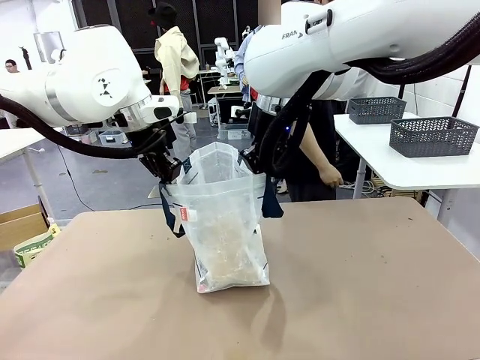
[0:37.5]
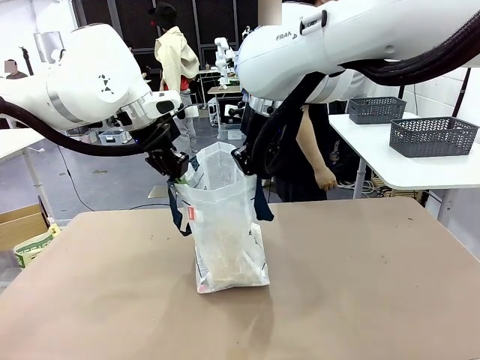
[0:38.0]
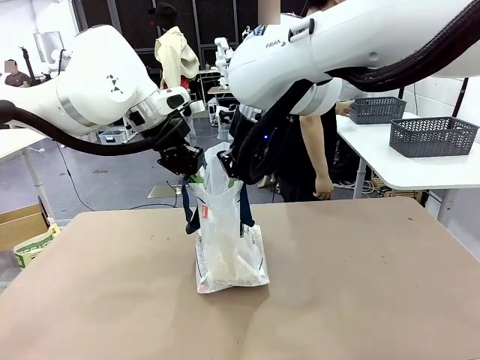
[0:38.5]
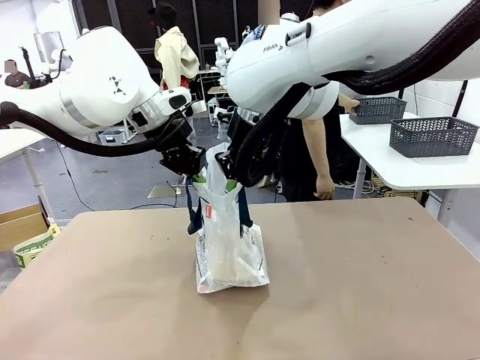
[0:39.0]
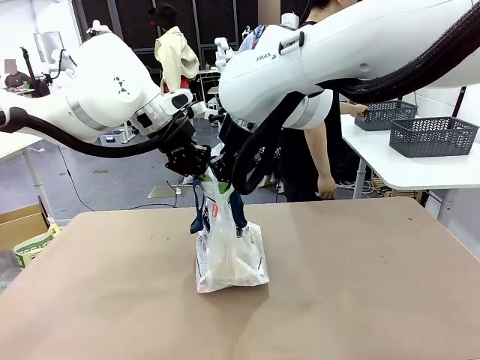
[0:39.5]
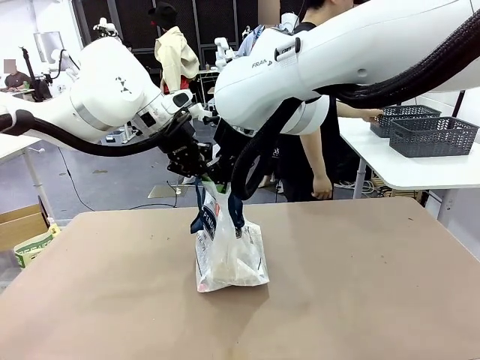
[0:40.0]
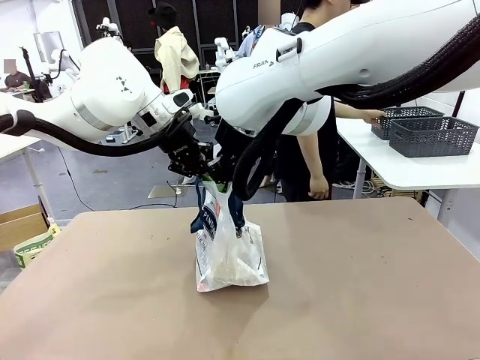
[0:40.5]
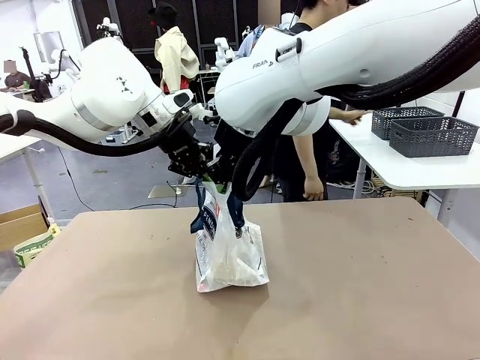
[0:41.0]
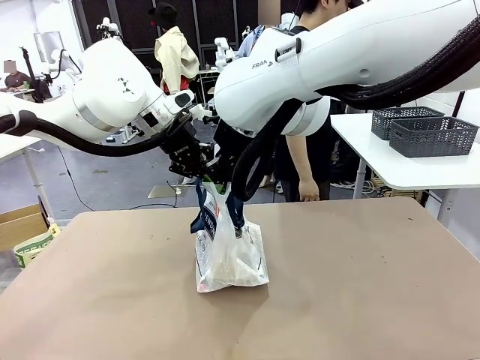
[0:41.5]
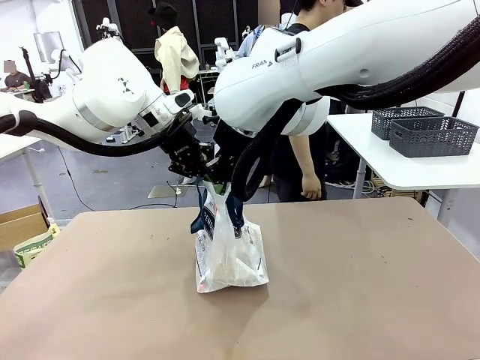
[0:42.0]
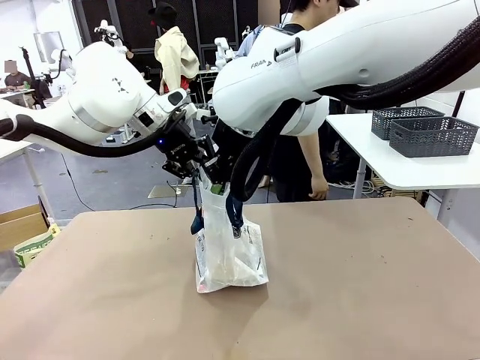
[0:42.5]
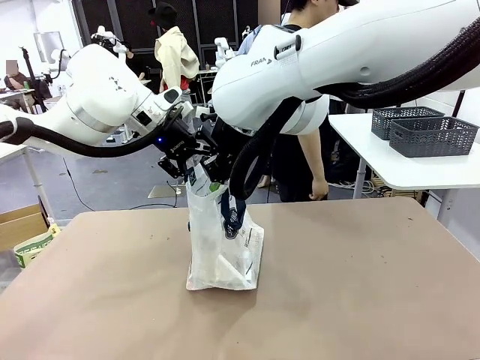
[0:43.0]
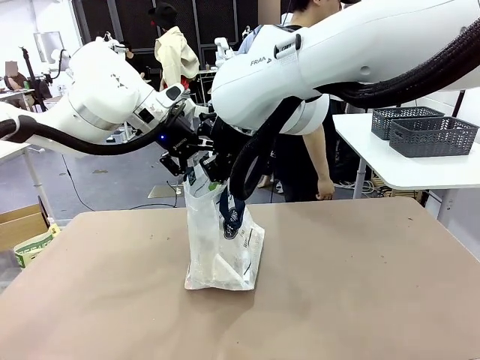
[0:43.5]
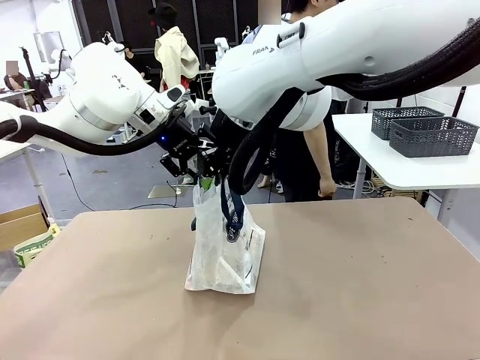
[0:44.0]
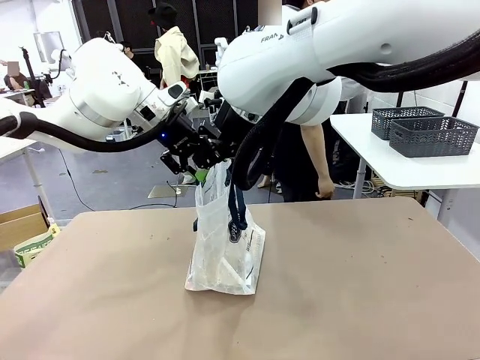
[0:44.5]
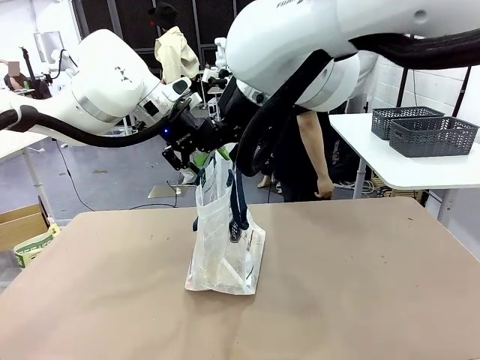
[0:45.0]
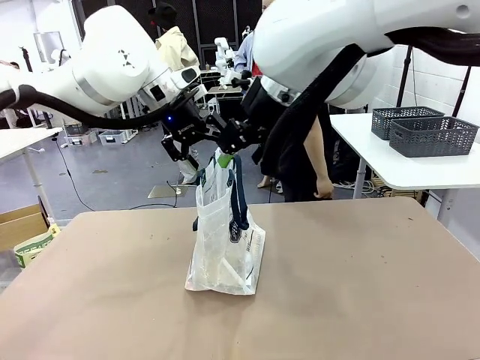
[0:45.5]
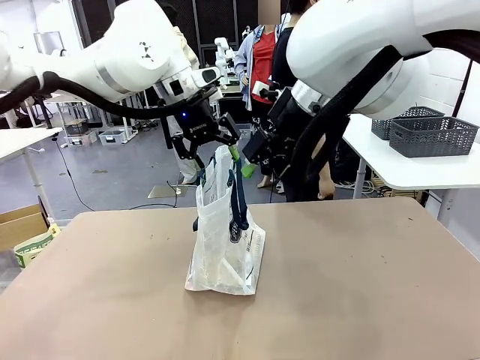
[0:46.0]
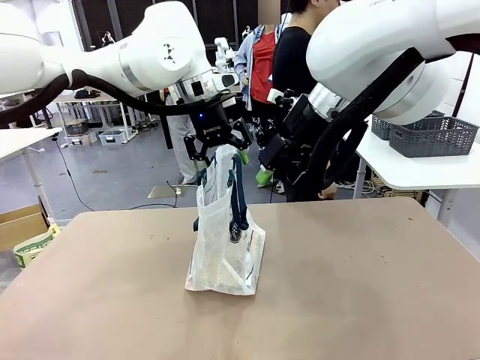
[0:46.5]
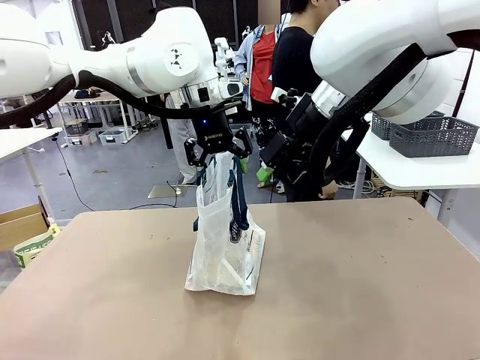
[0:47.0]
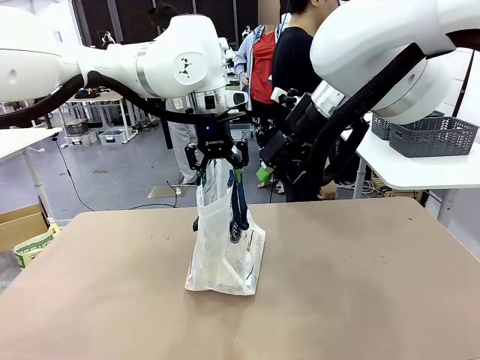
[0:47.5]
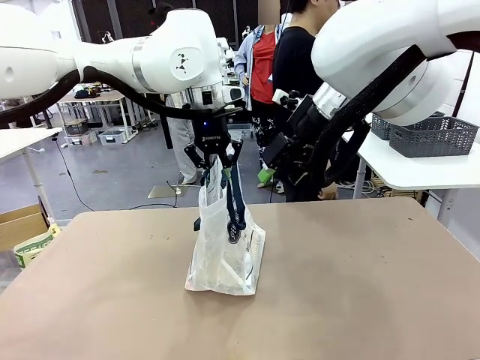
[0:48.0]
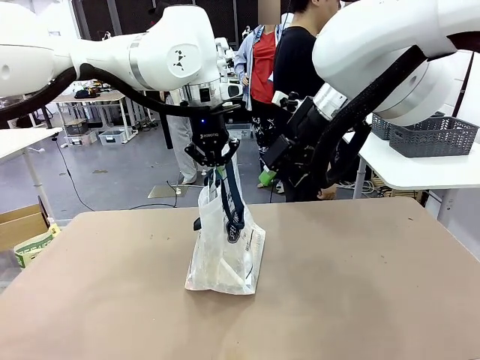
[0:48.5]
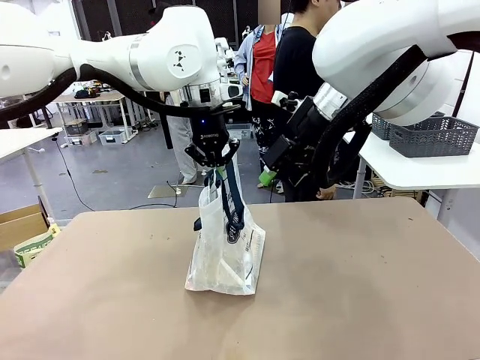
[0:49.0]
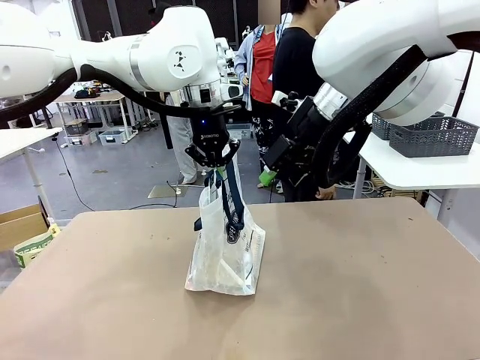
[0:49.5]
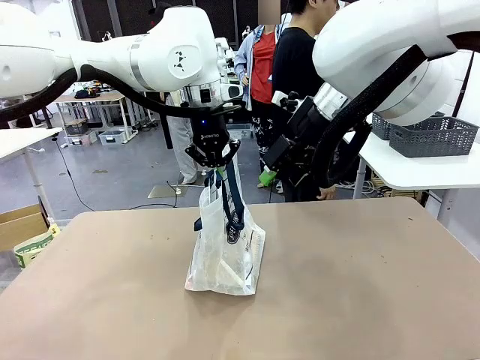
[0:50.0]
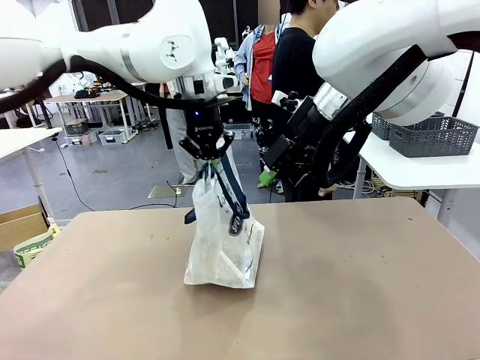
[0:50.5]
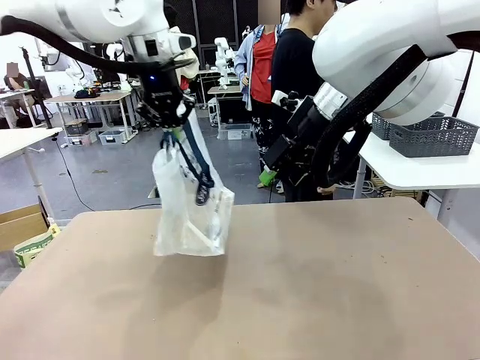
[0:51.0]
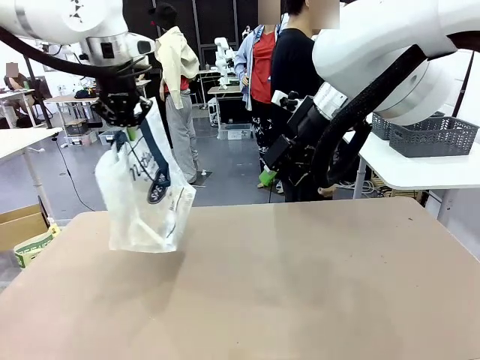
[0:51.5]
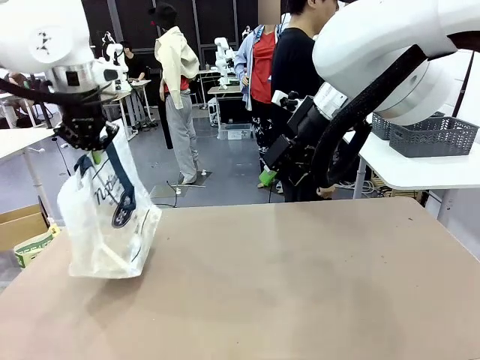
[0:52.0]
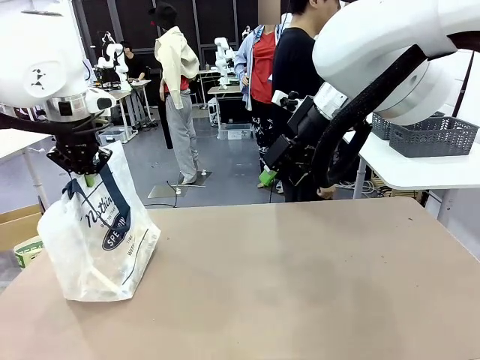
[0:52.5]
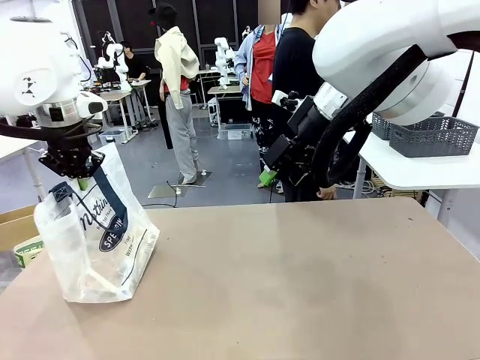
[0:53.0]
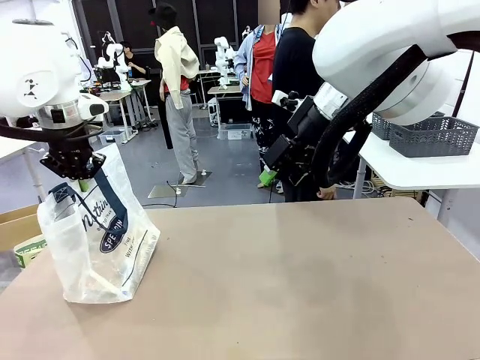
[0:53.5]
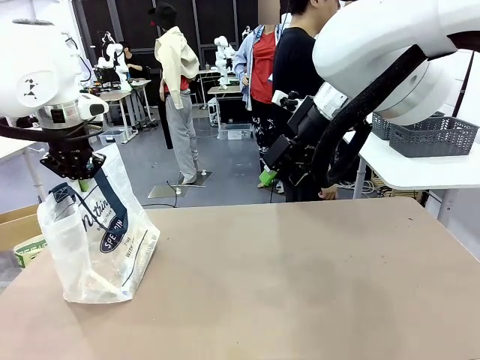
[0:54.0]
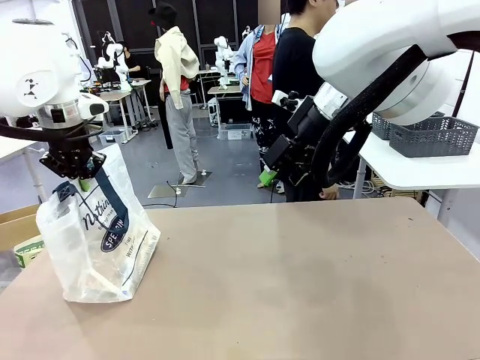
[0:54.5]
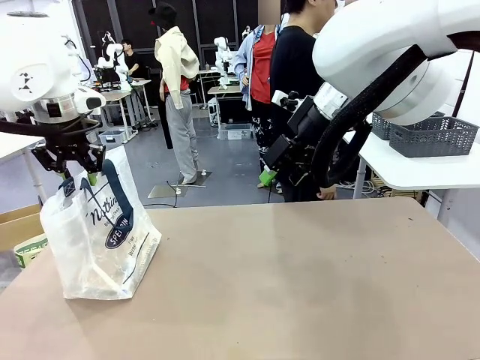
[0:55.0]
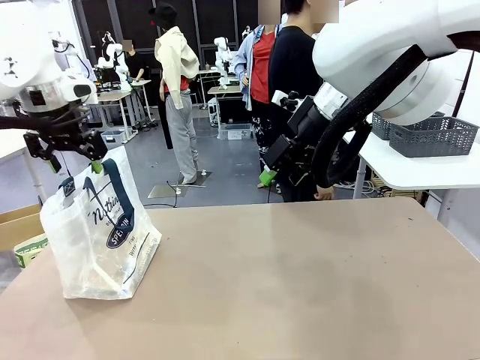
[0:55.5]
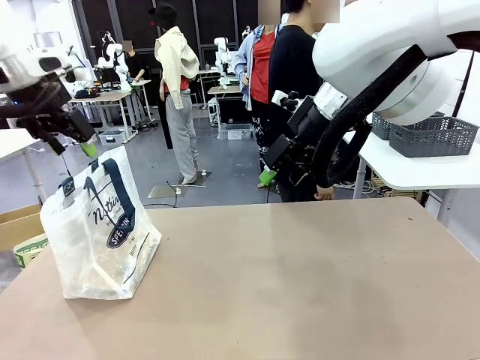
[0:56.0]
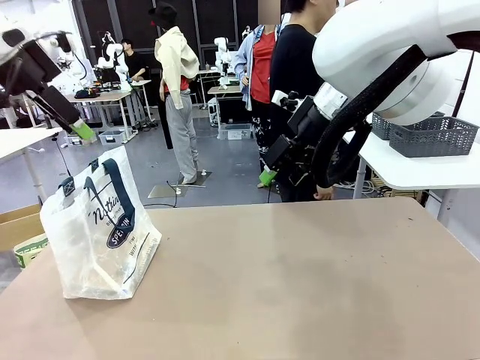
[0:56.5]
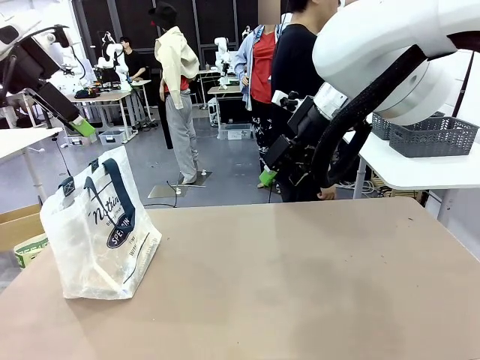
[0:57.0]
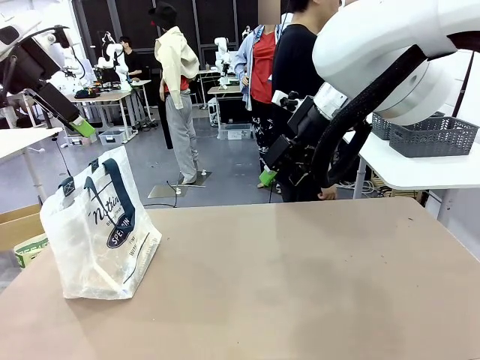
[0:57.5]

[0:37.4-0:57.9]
Task: Transfer purchased items from the store into the shopping bag.
Robot: Move the Reusable shopping bag to the right side of the table.
Person: Move the basket on the left to the middle of the person's table.

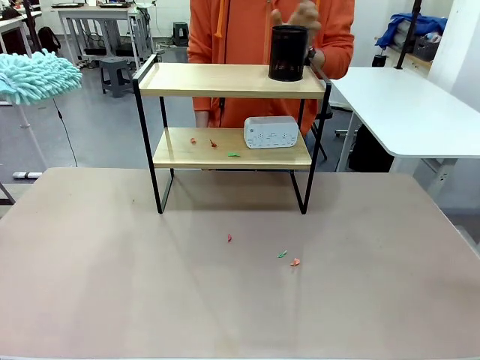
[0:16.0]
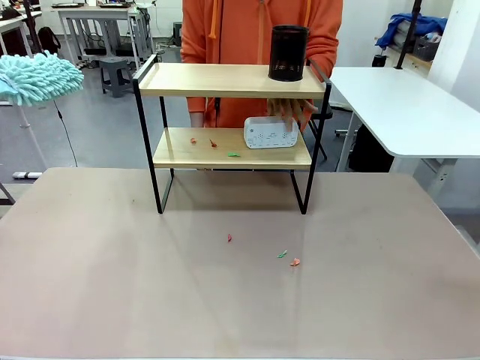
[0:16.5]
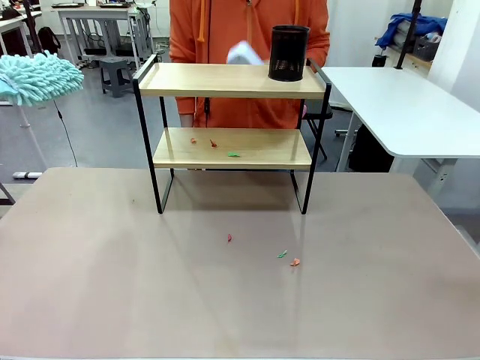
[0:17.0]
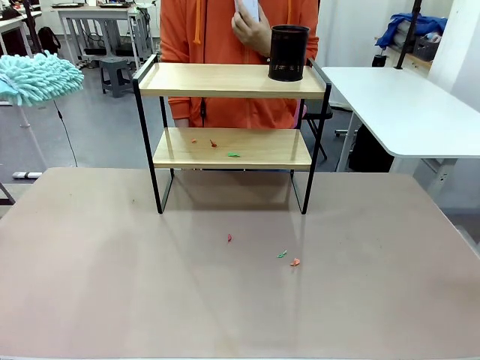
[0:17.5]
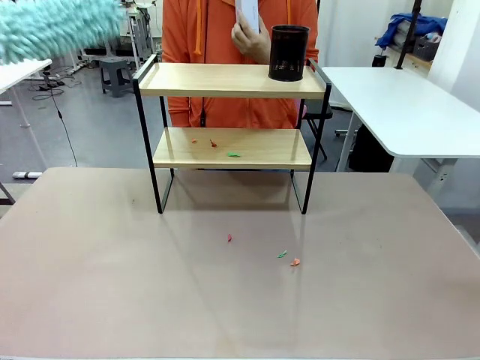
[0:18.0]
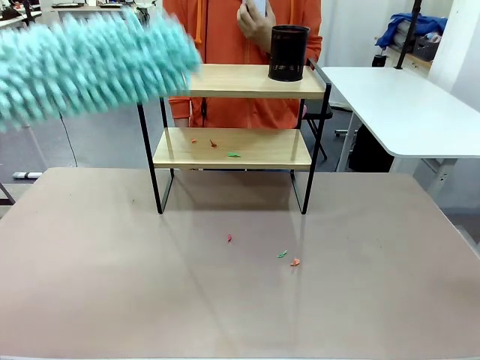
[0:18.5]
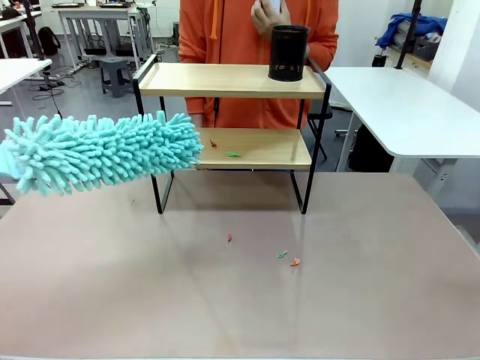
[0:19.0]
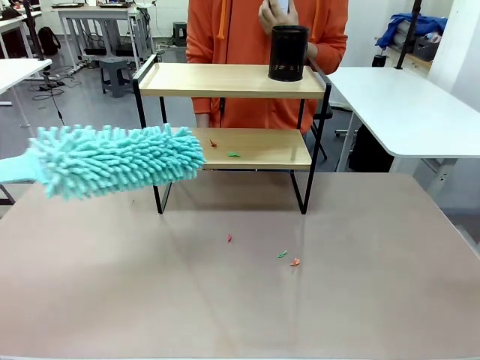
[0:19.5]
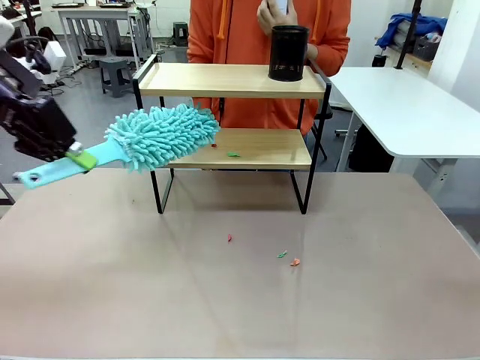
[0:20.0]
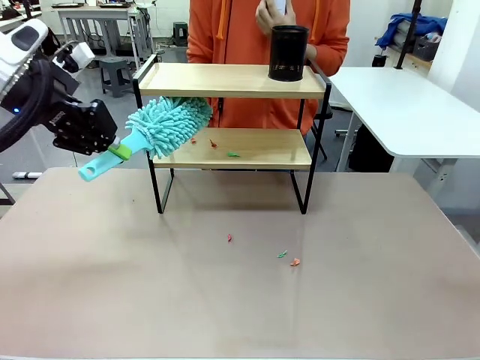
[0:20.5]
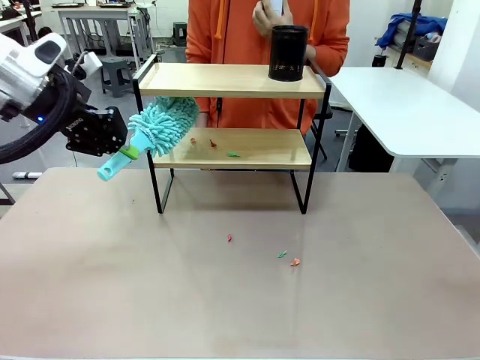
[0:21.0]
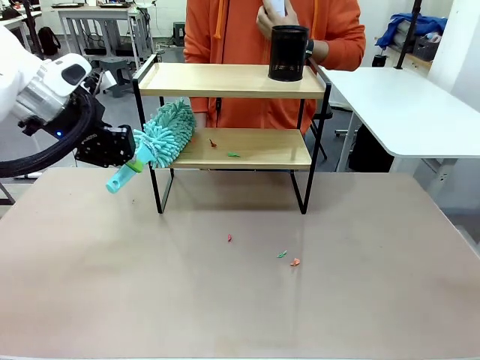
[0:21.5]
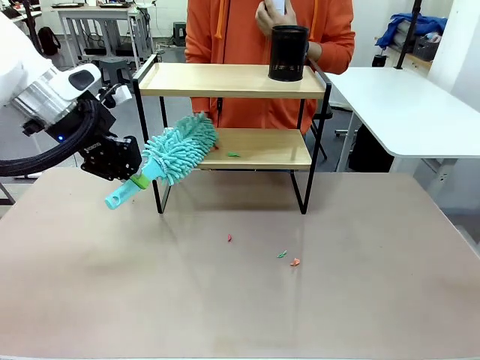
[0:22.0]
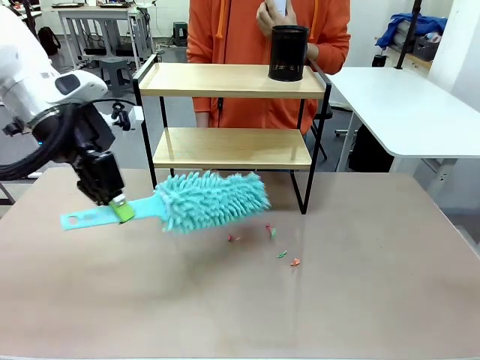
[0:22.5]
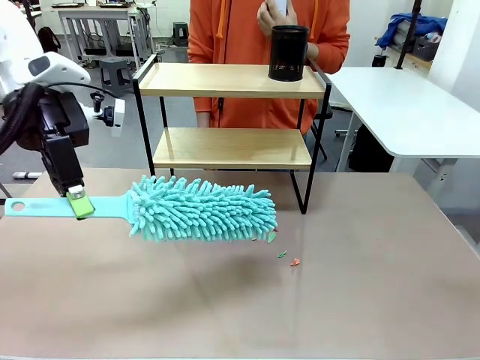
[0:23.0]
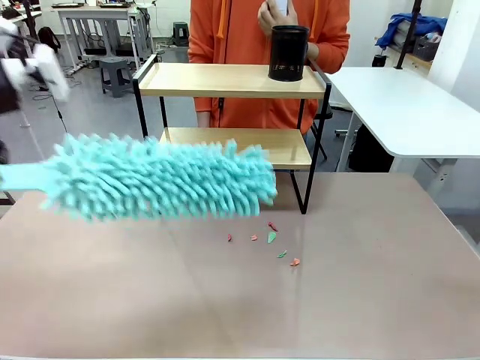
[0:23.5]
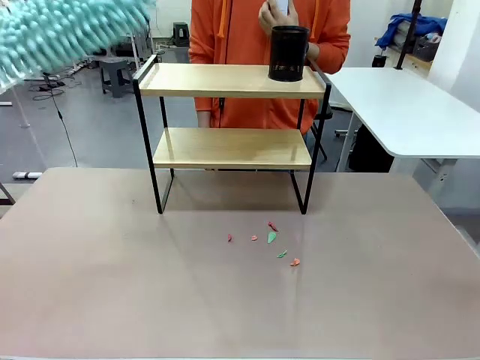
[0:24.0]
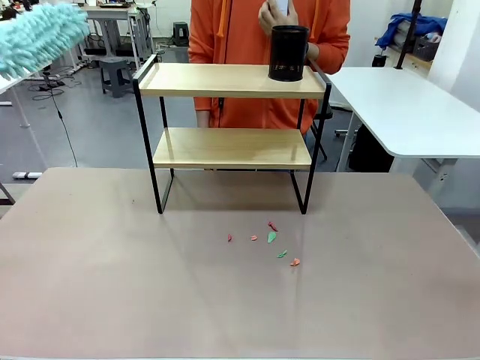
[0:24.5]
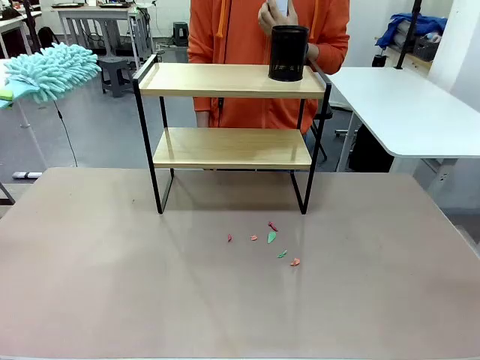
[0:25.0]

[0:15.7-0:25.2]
Task: Clean the shelf.
Robot: Clean the remaining tier of the Shelf with the Duster once objects are removed.
